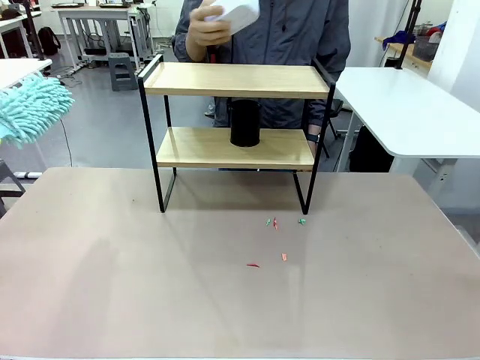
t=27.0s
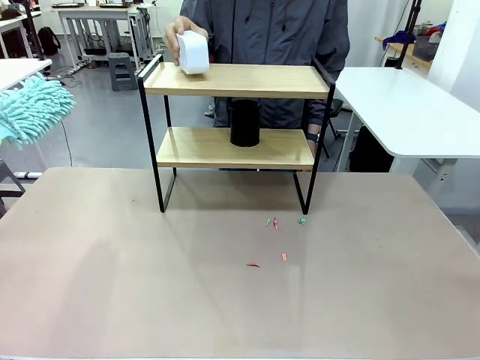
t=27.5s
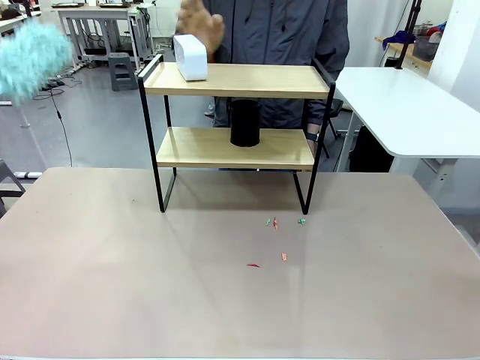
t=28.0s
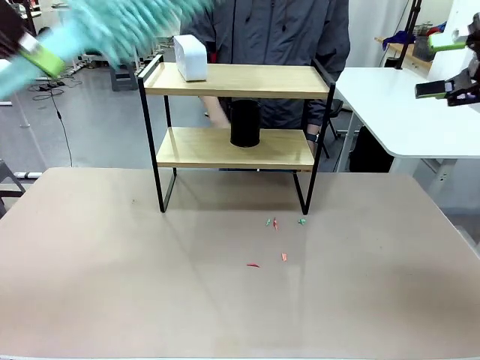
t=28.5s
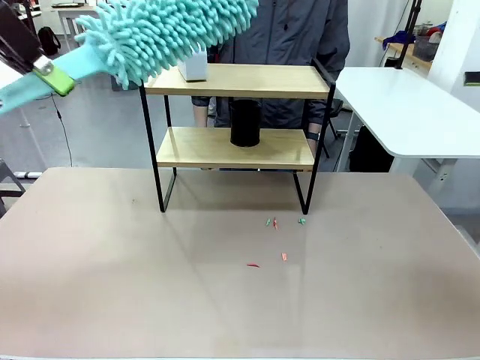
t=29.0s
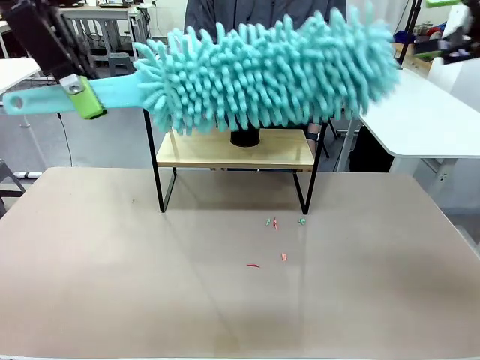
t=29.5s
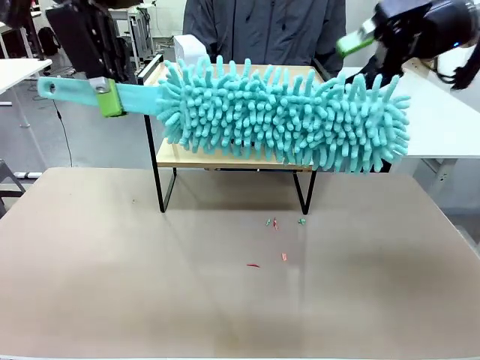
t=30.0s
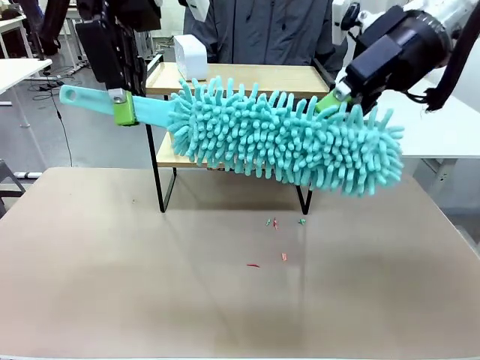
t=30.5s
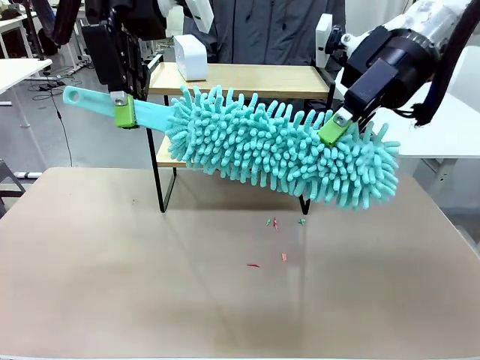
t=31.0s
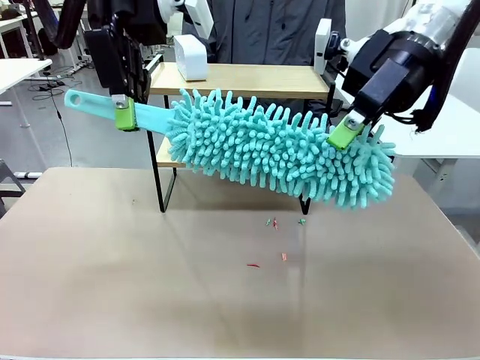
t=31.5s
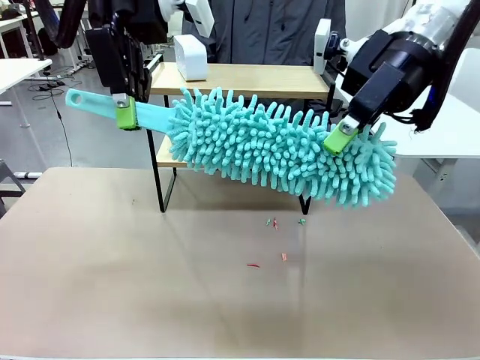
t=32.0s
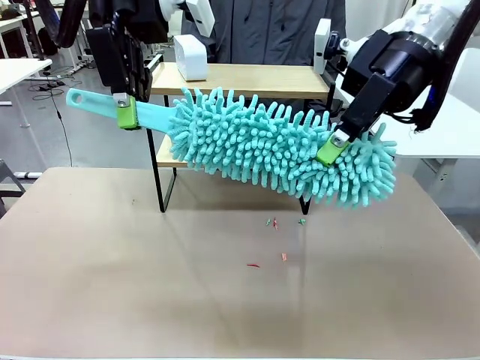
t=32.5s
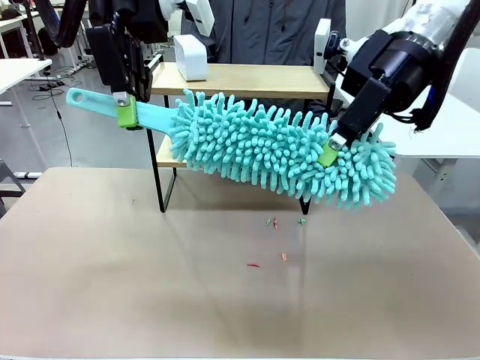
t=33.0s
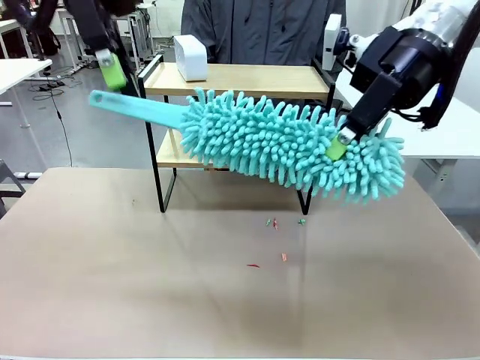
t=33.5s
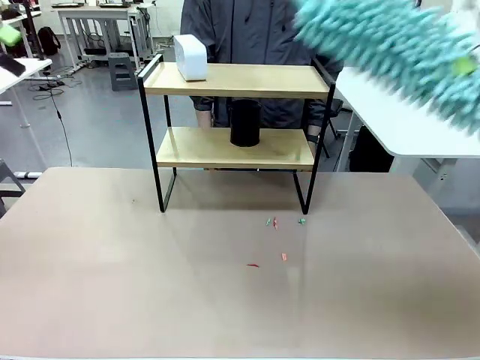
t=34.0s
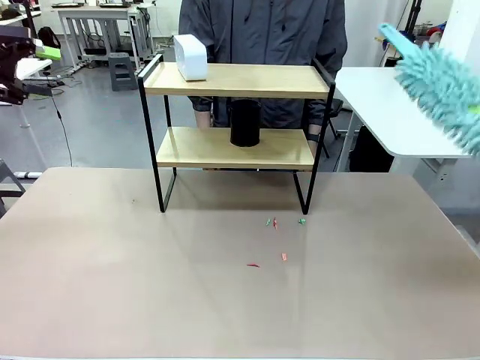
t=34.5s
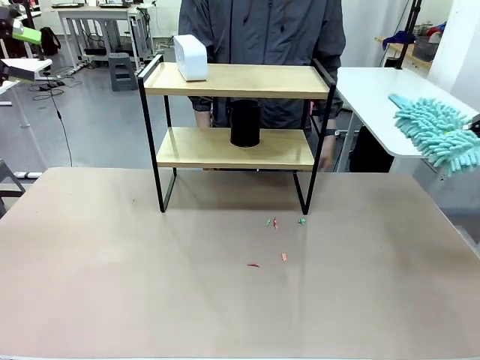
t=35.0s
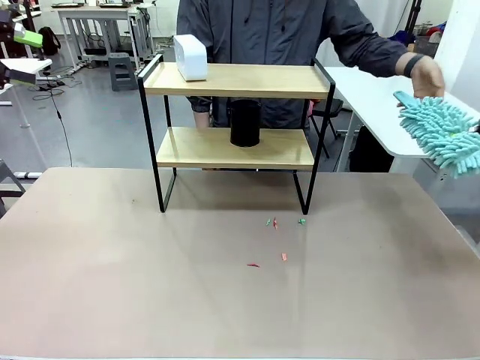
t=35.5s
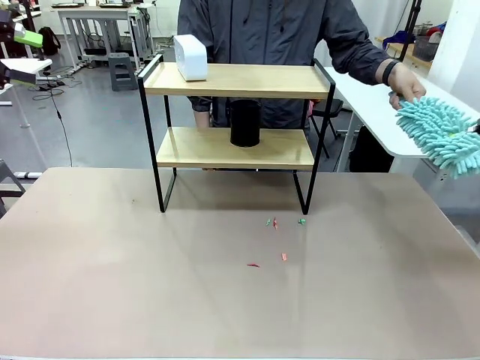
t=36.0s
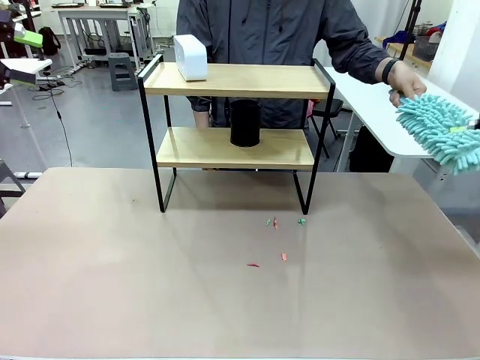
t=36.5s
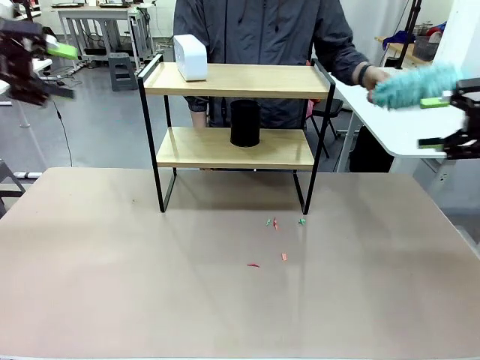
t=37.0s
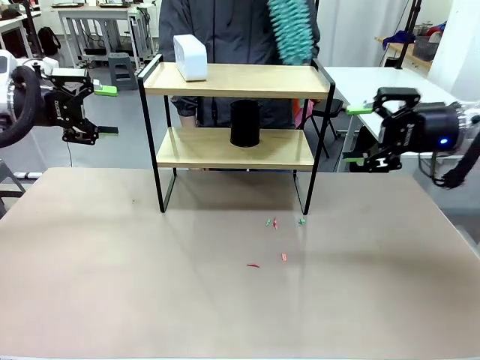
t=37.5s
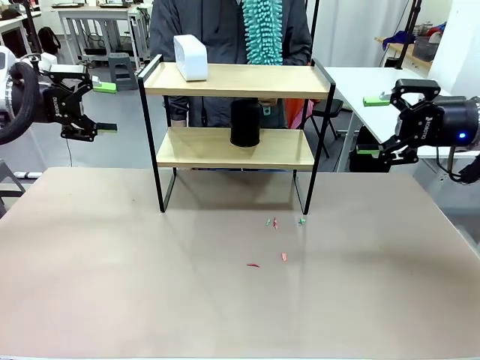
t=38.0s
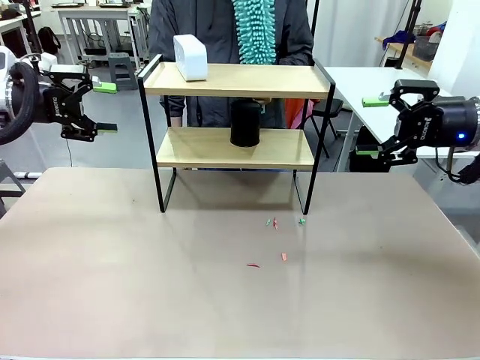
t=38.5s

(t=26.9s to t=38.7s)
Task: Clean the shelf.
Robot: Hand the Duster back to the human.
Person: Receive the Duster from the robot.

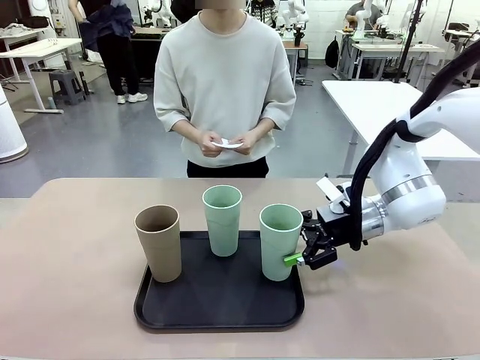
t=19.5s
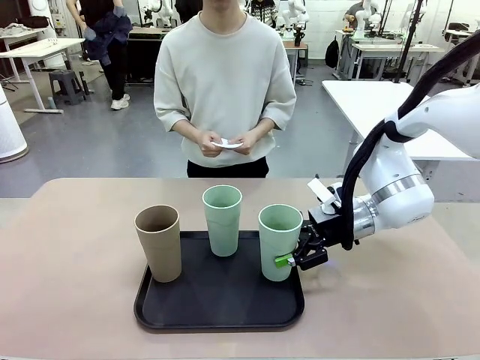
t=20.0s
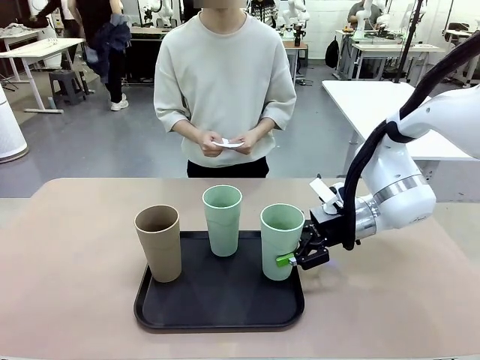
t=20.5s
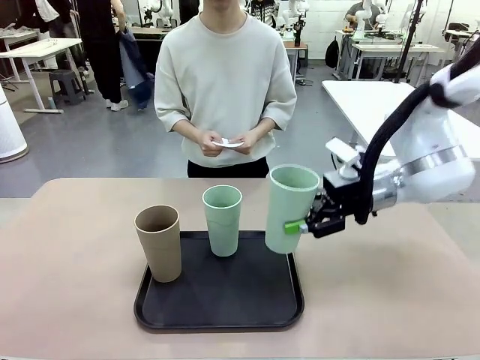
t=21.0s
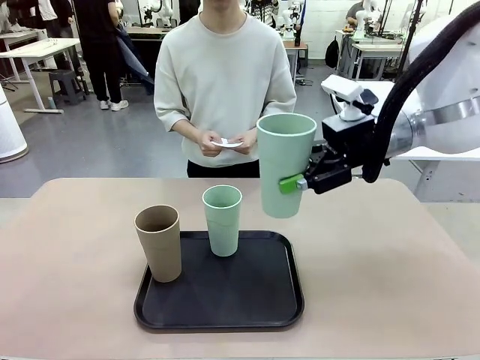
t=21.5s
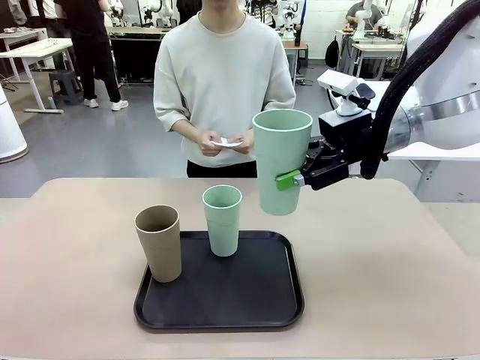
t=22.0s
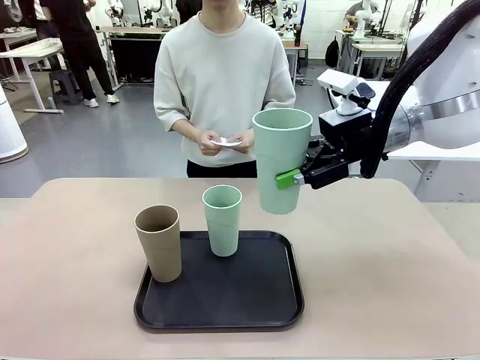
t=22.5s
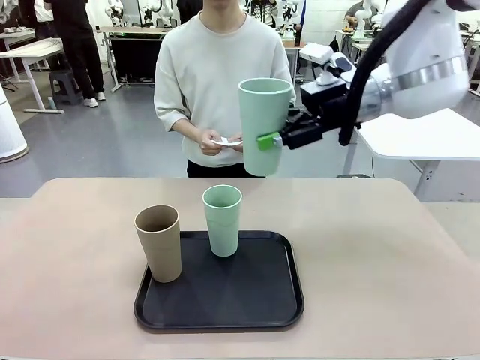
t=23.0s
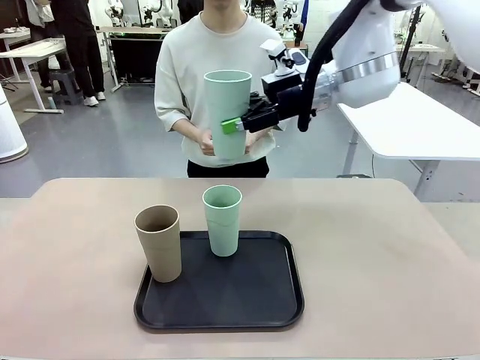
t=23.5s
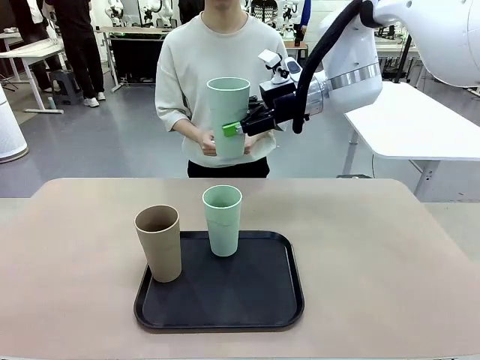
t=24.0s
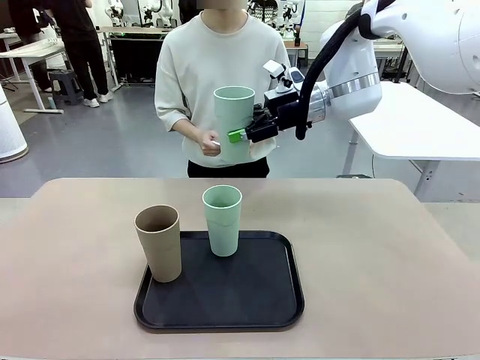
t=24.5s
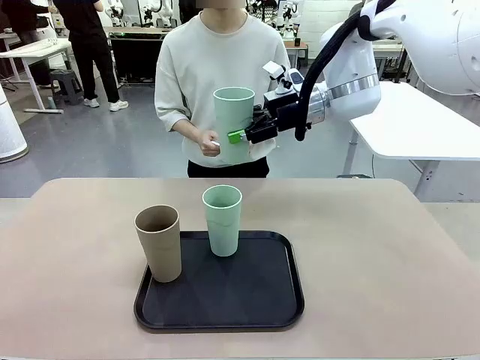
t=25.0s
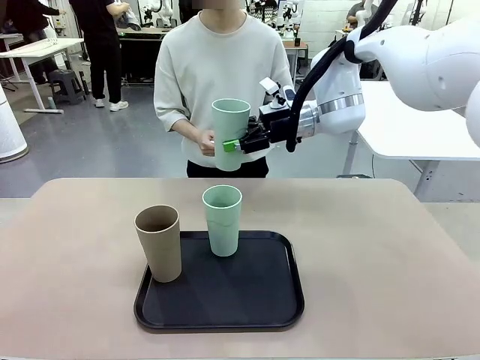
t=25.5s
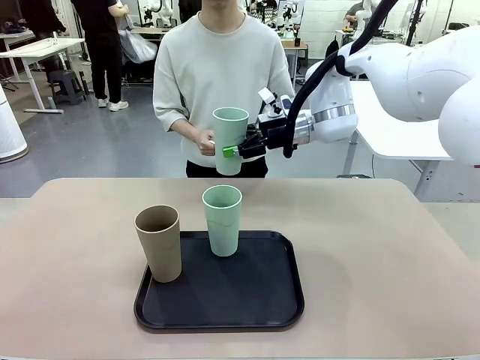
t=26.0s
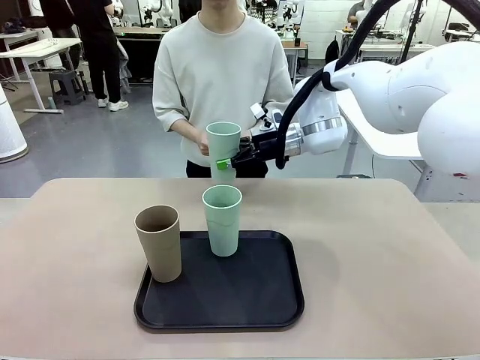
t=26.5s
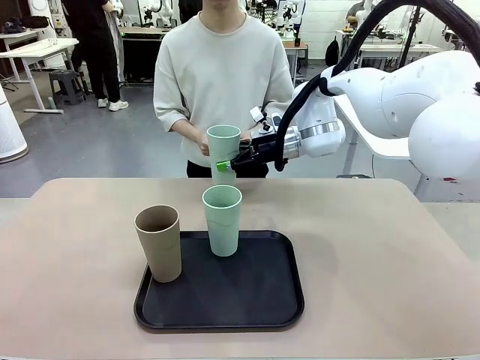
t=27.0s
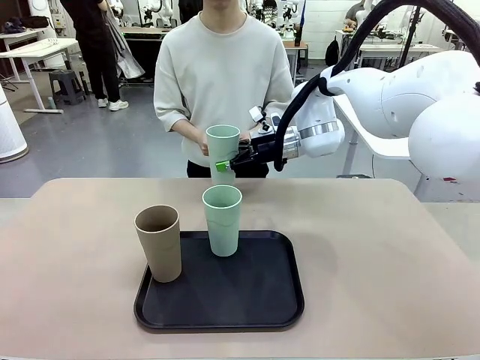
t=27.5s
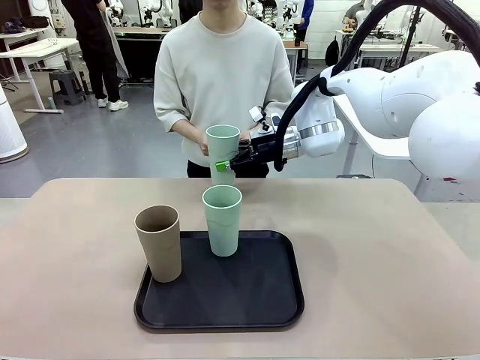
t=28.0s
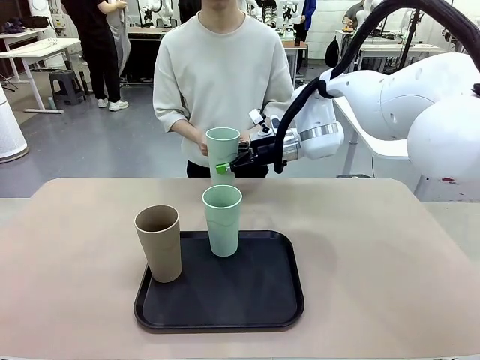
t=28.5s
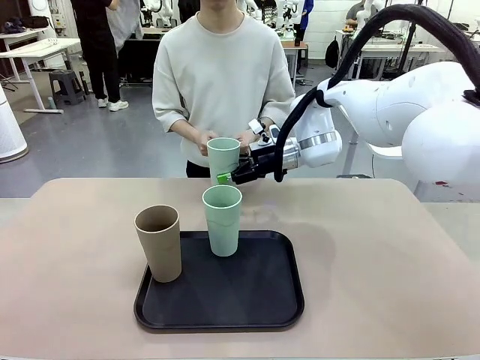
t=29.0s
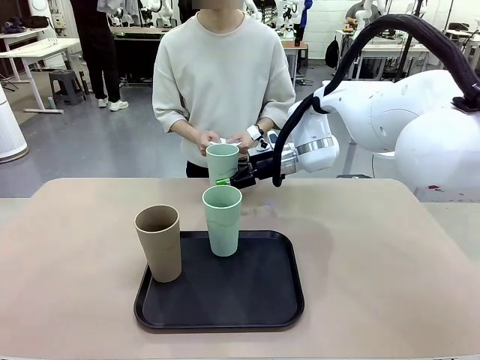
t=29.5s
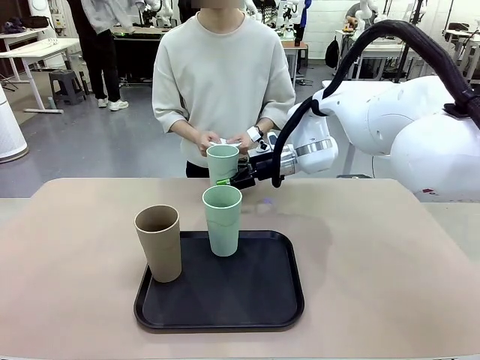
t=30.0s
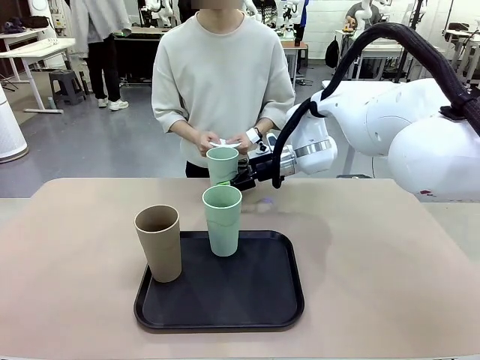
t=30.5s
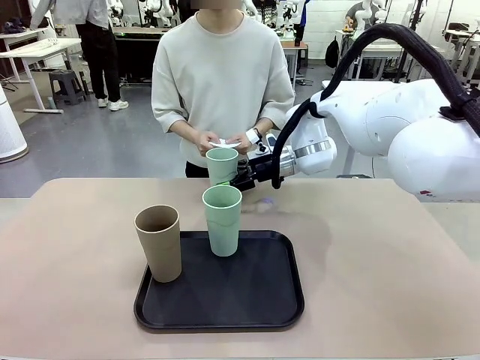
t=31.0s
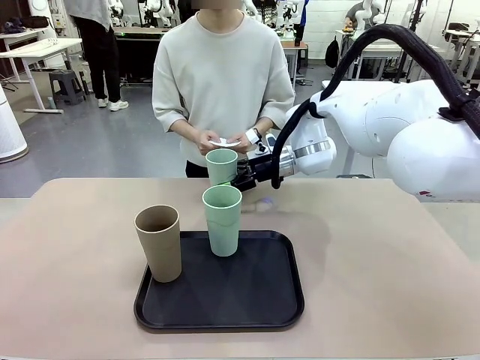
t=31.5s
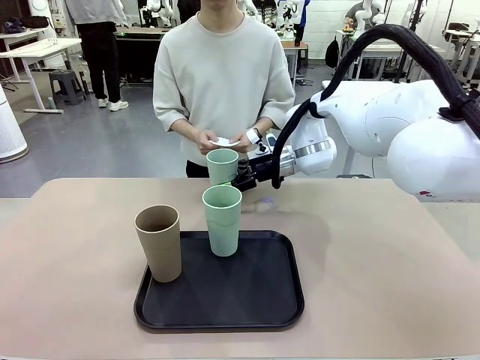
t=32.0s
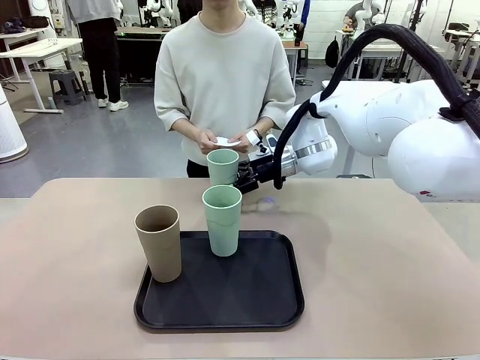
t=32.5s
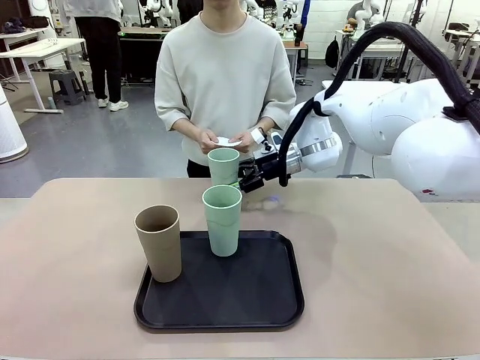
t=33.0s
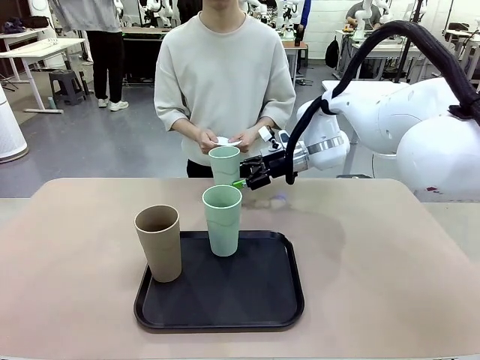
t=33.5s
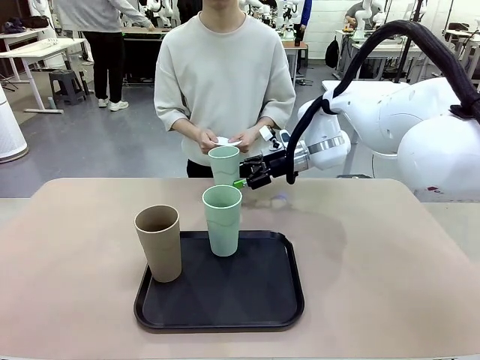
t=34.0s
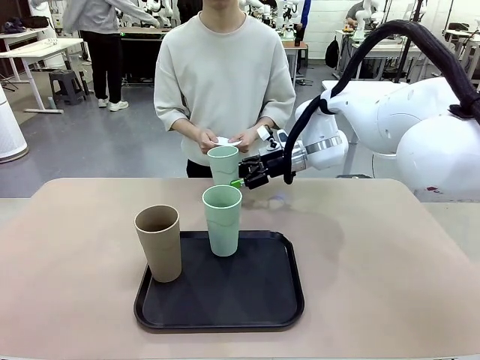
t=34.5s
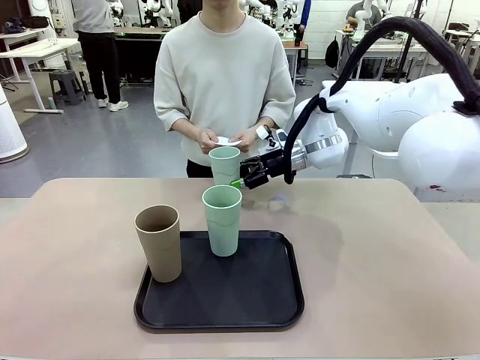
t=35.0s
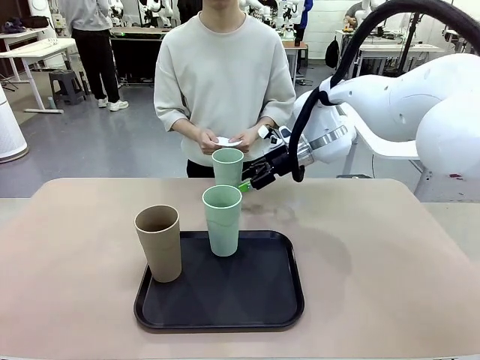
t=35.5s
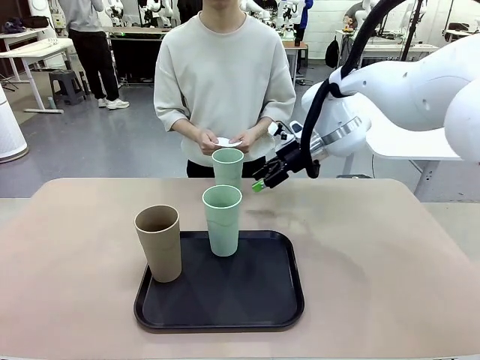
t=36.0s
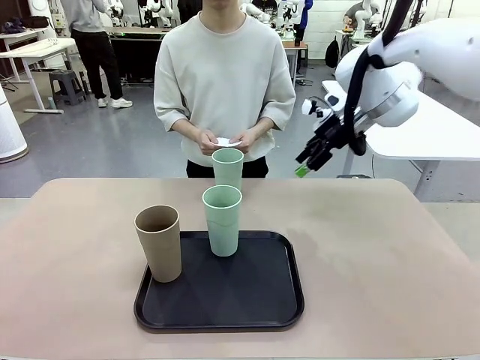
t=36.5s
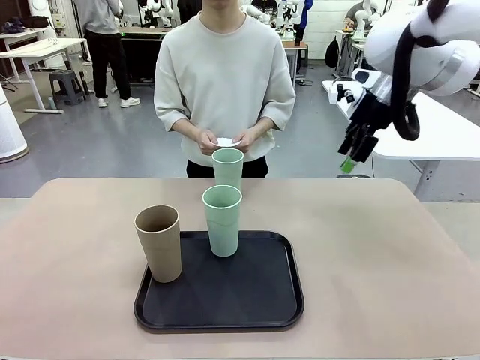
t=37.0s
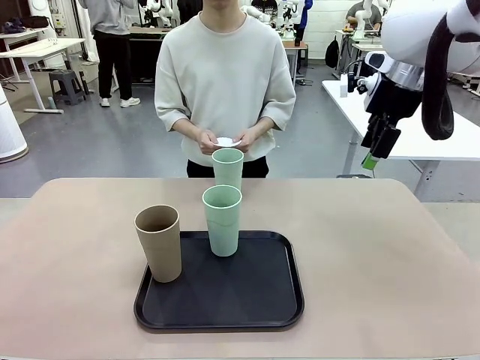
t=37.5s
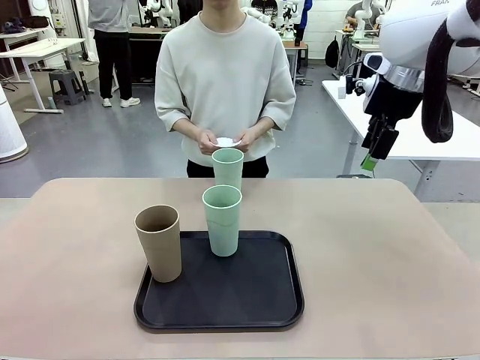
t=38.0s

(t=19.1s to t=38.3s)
Task: Place coasters on the table and set cups on them.
Robot: Pick up one Reusable plastic cup and place it on a coaster set by the human.
Person: Place one coaster in one of the two areas excluding the previously selected area.
